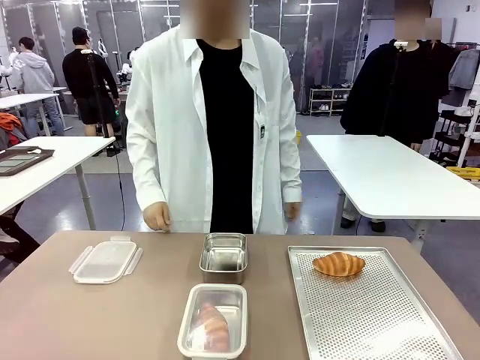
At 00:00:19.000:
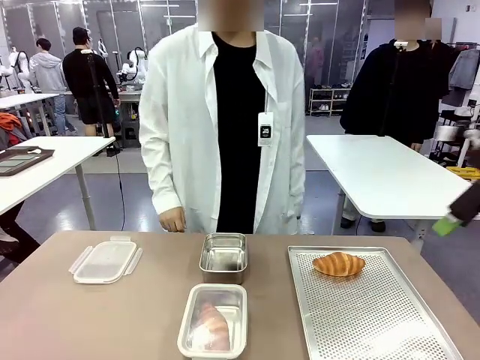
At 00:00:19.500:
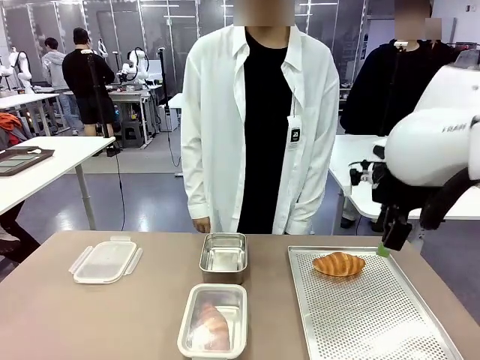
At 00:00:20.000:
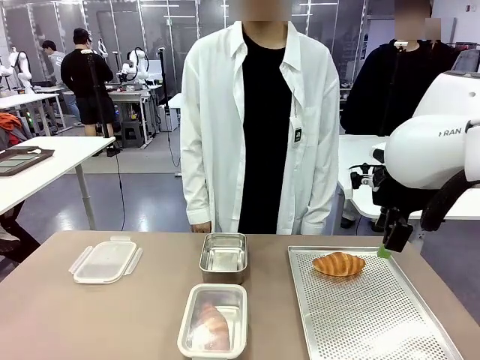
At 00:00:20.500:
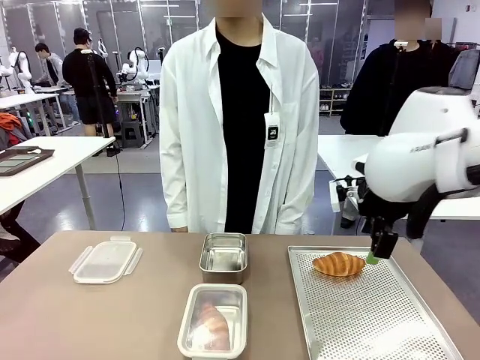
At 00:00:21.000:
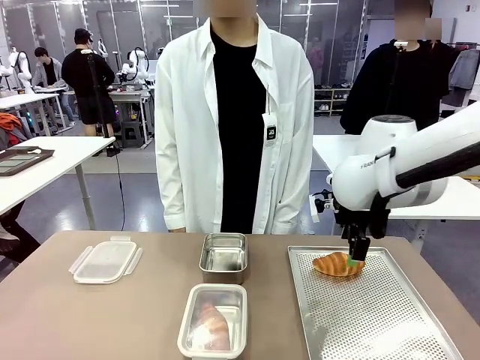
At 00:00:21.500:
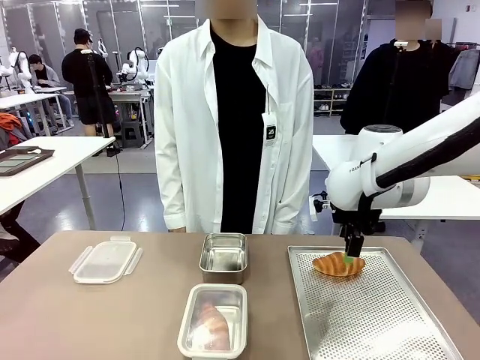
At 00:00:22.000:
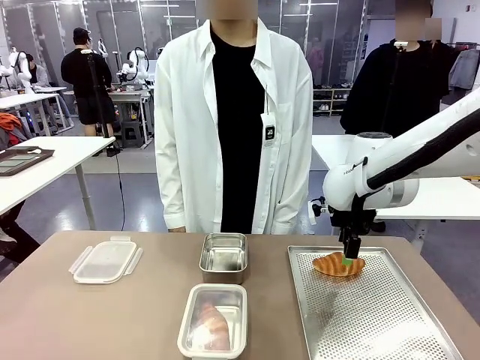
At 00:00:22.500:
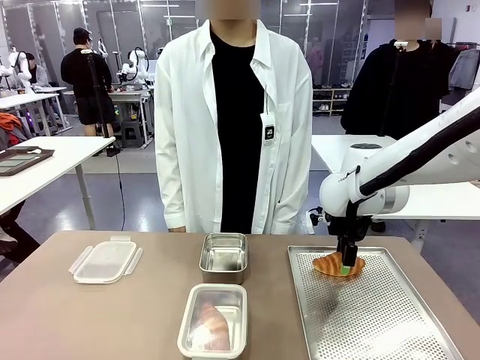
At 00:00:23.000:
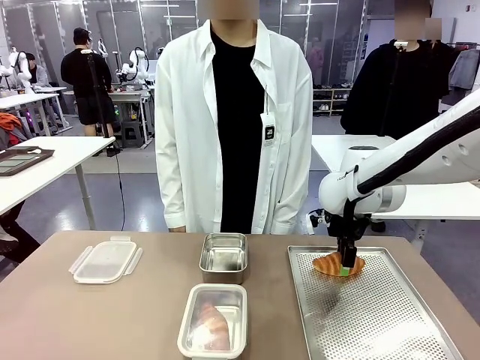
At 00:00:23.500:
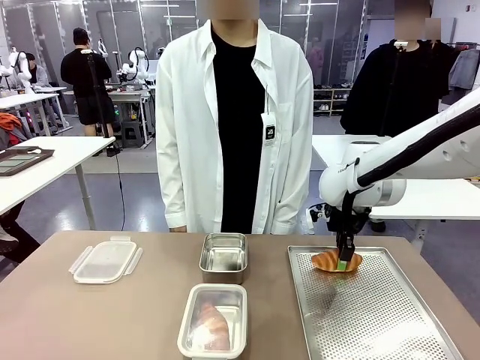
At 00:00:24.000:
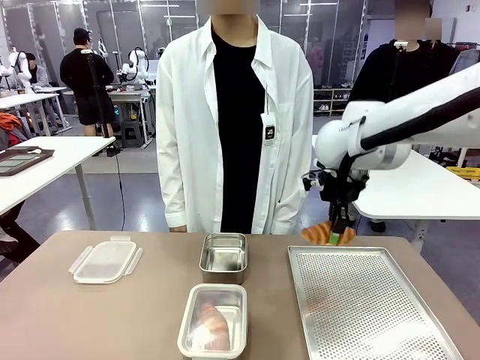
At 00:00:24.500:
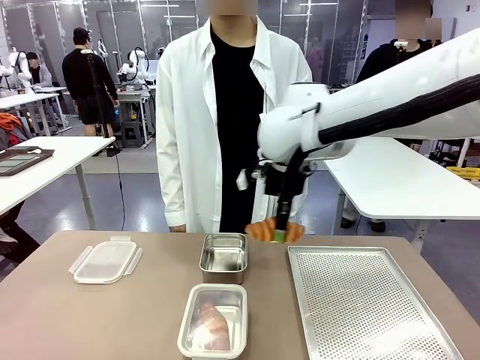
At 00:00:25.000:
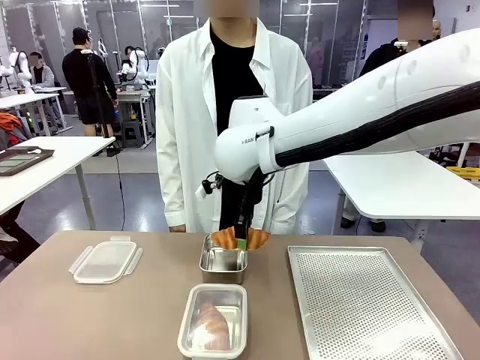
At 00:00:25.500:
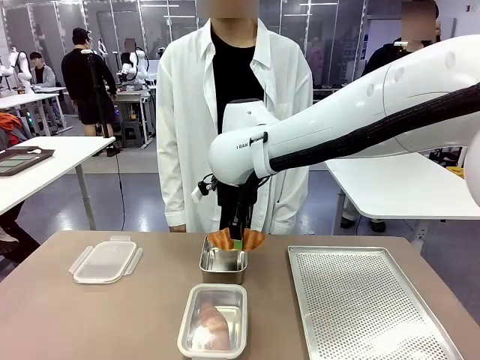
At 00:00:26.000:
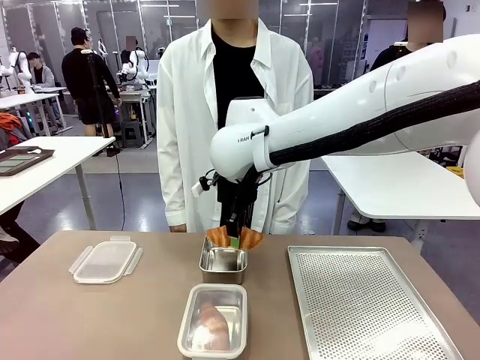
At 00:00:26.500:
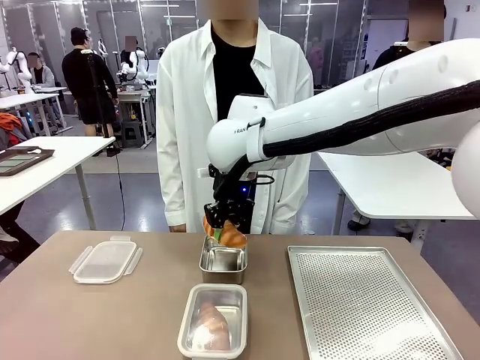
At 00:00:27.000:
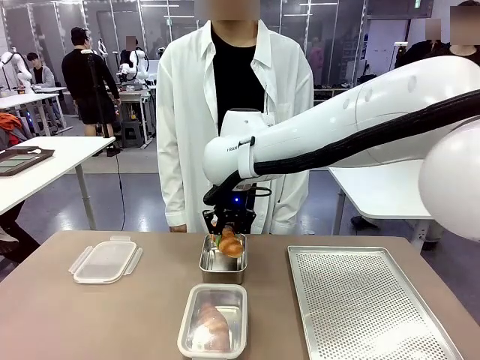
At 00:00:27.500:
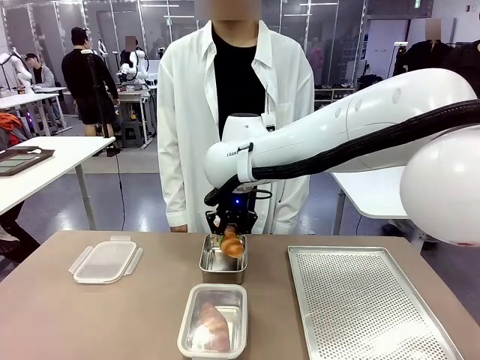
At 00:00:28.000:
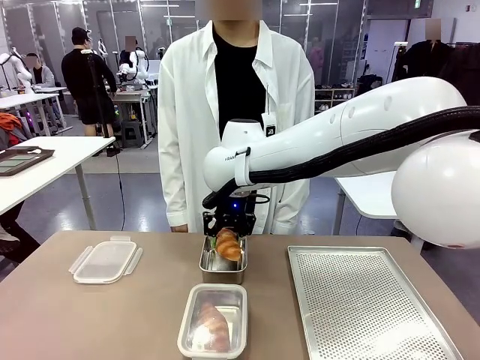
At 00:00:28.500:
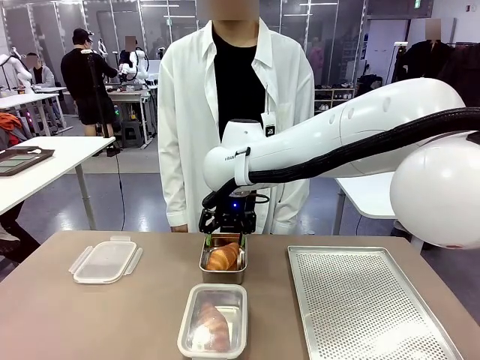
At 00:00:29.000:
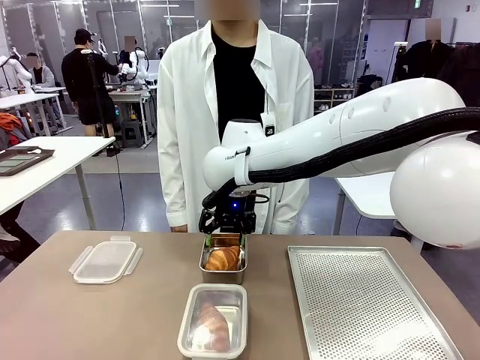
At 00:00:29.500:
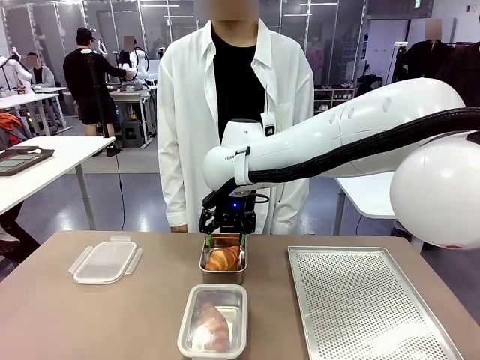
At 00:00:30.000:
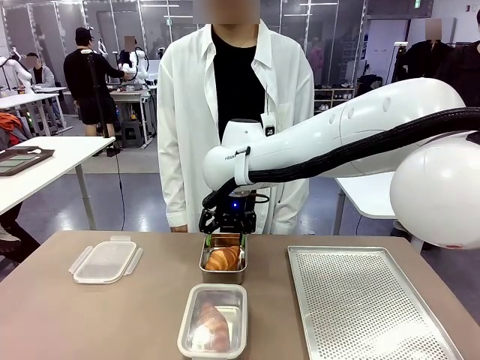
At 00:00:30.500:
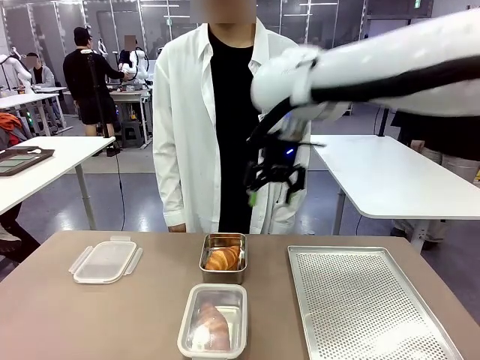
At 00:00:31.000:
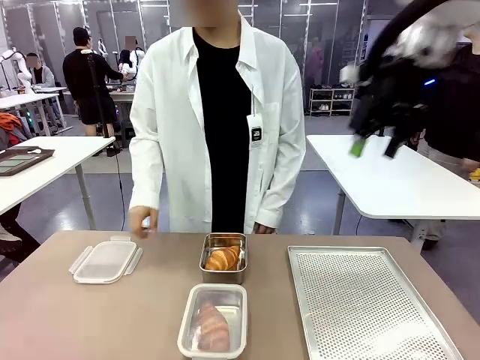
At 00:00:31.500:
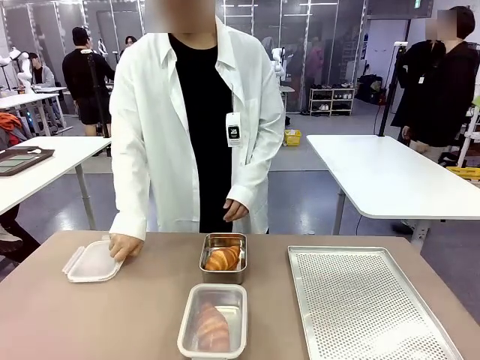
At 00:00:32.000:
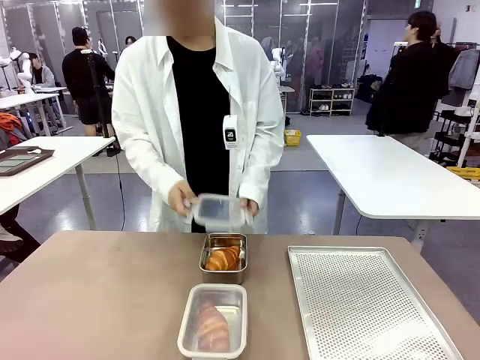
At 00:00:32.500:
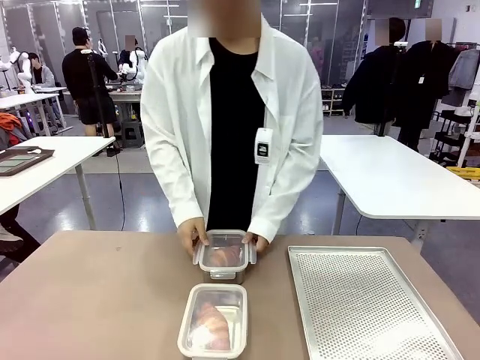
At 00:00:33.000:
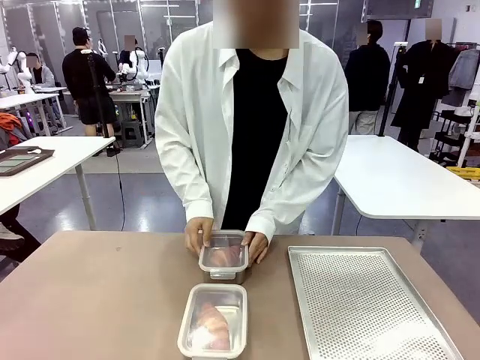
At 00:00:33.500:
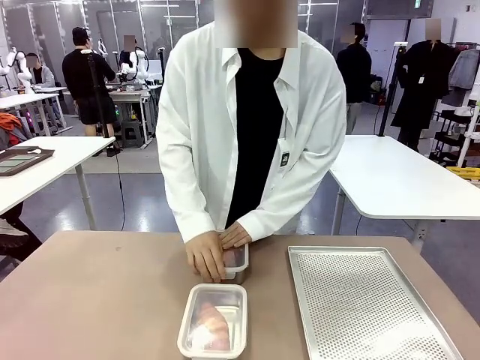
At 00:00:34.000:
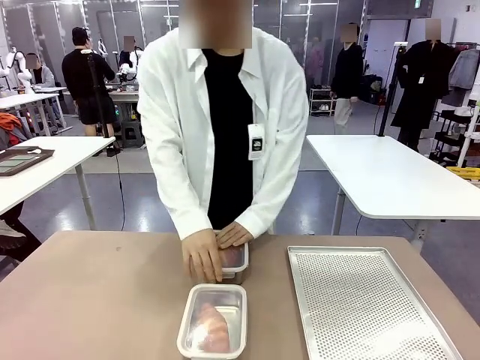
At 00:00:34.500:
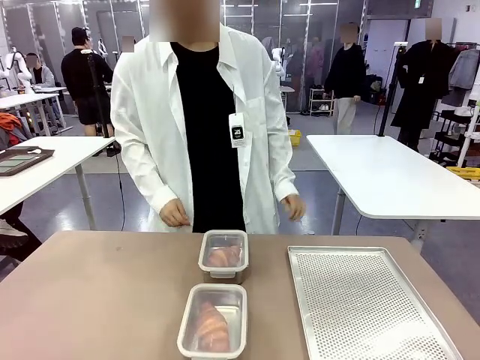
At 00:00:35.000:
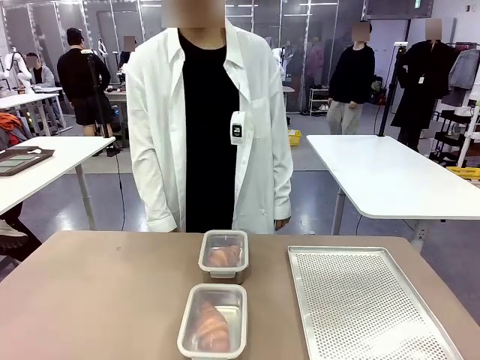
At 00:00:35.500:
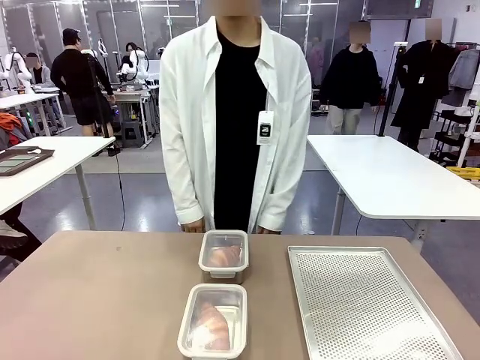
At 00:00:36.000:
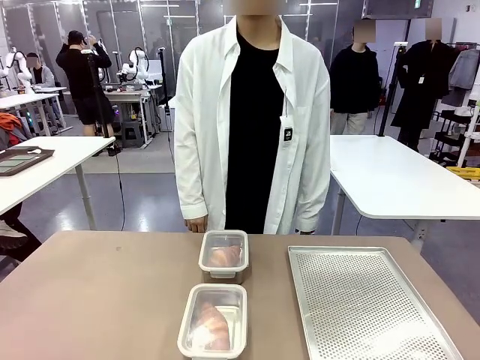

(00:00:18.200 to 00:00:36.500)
Task: Place the bread into the airtight container.
Robot: Pick up a Butter Roll and place it into an empty Airtight Container.
Person: Once a Butter Roll is inside an Airtight Container , close the lid of that Airtight Container.

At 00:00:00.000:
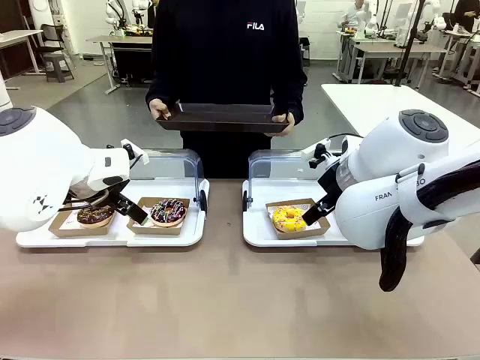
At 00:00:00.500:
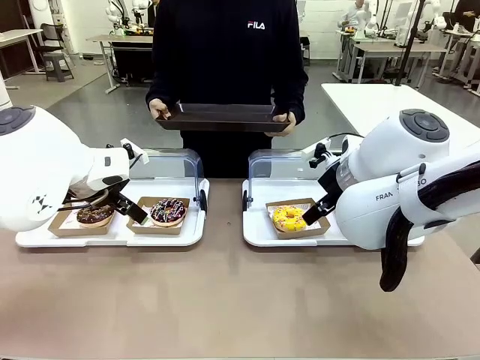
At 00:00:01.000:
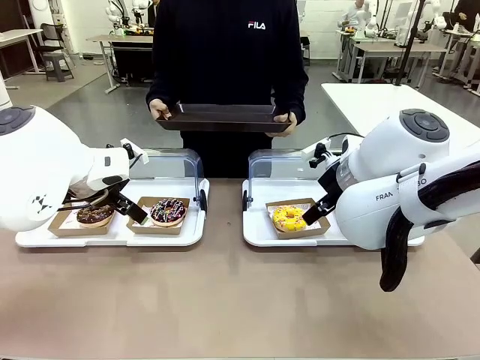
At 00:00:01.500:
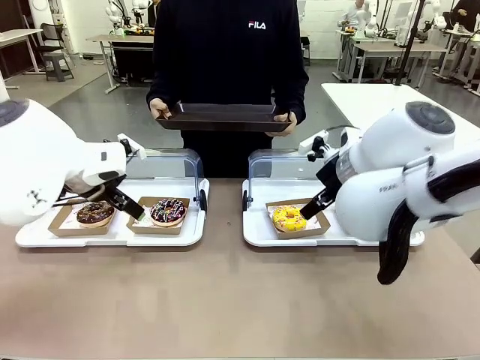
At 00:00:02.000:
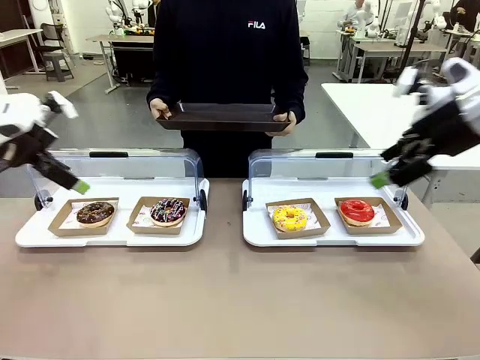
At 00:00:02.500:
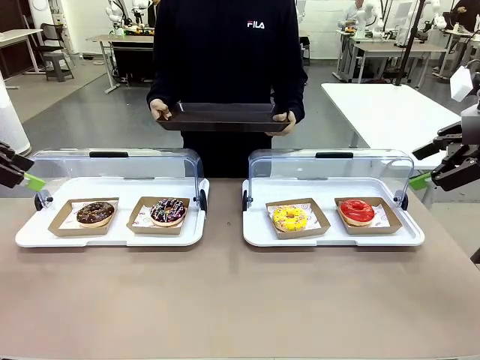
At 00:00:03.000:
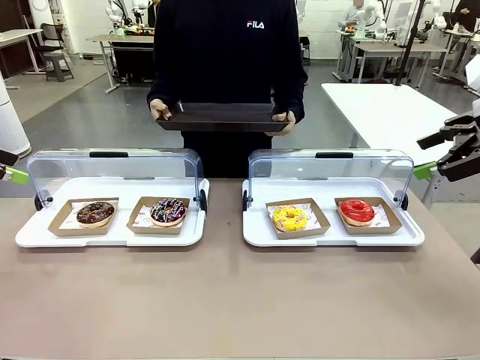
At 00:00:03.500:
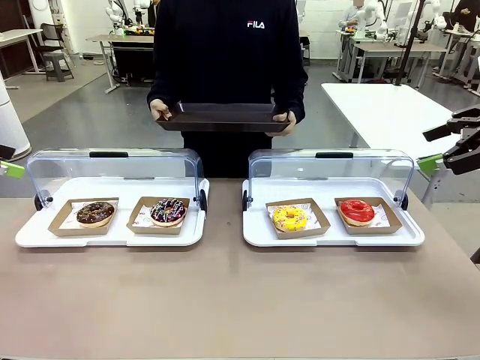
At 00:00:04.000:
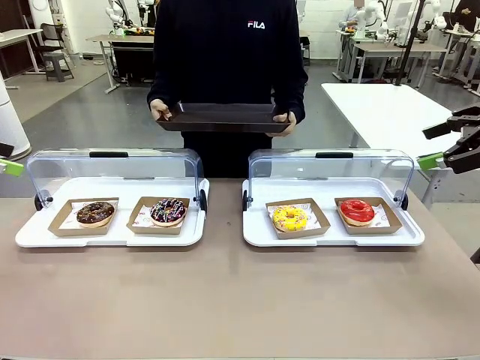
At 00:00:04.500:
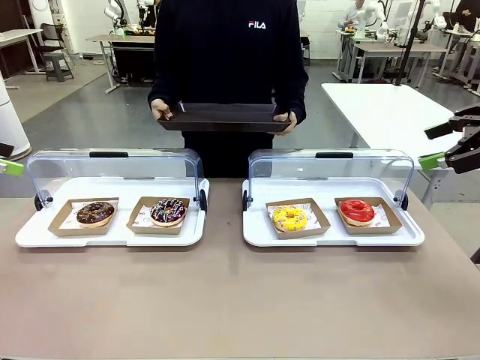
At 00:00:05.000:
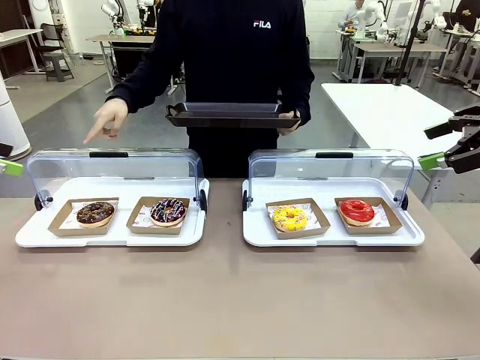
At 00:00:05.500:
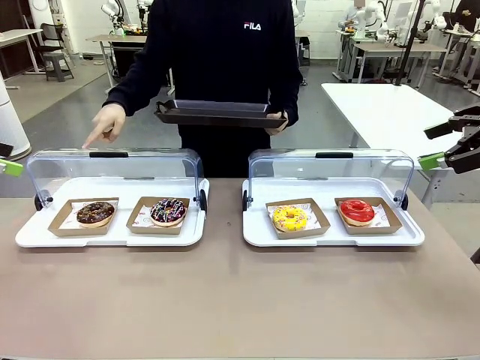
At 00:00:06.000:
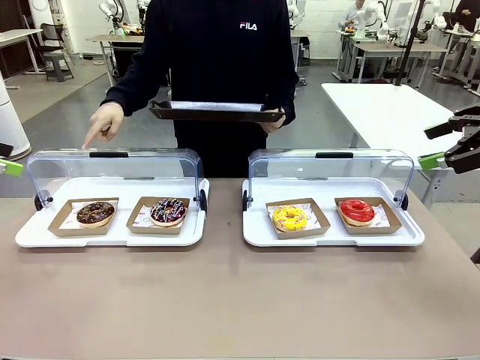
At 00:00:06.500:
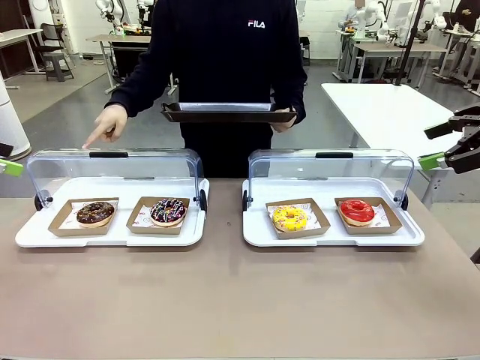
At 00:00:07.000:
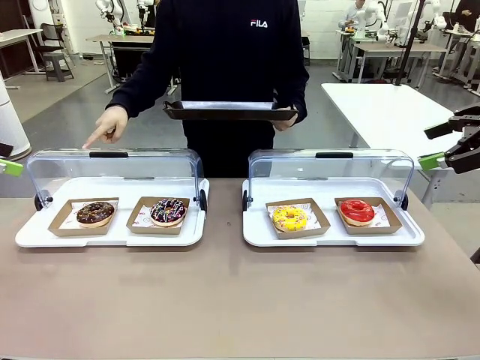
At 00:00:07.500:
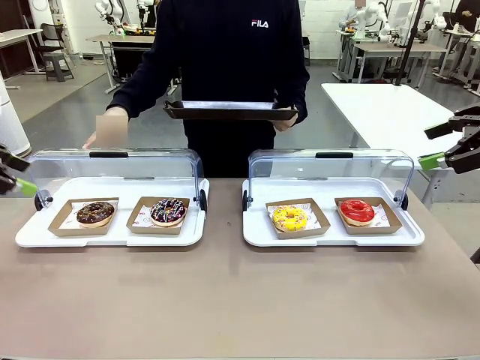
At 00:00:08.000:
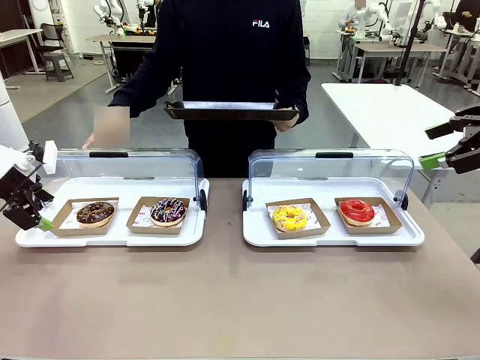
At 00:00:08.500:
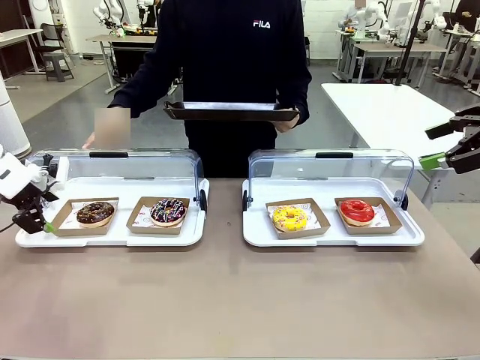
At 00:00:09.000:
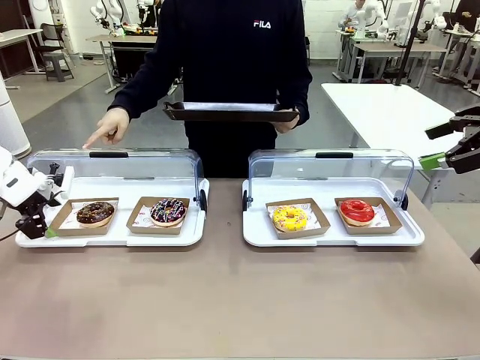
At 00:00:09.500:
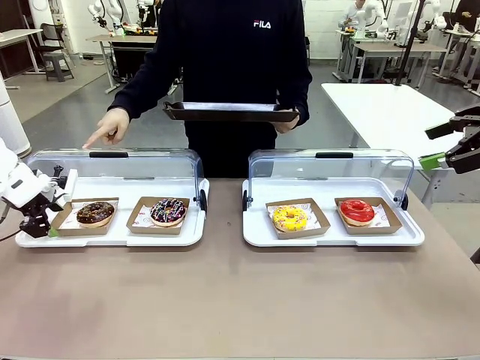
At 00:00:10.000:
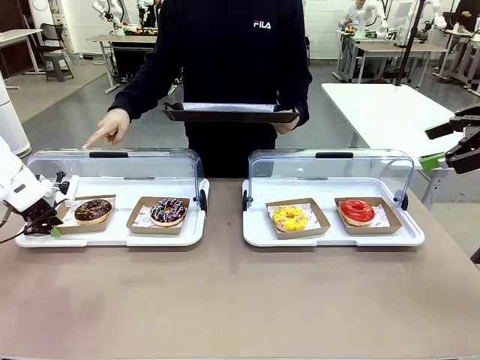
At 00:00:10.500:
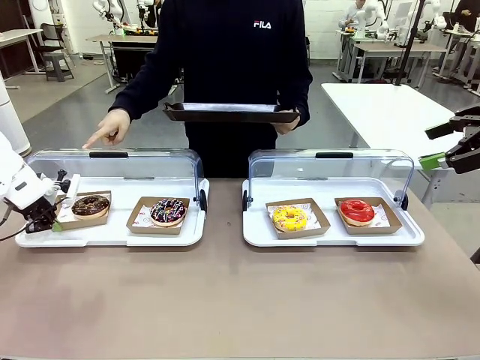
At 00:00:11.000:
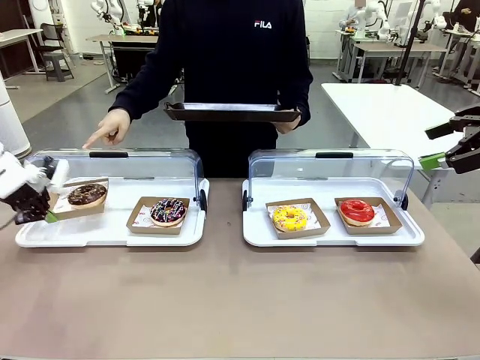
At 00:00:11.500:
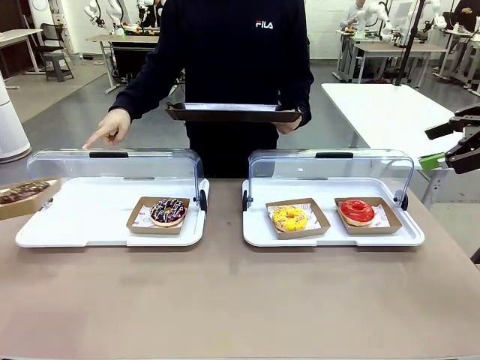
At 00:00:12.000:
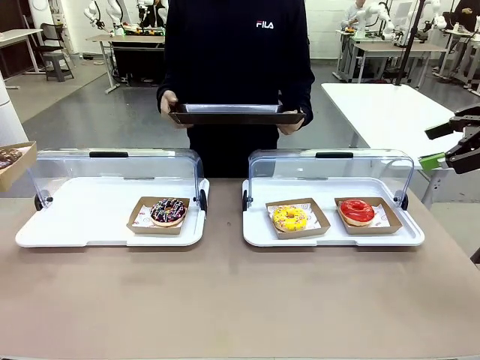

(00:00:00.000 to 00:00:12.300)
Task: Provide the desired donut to the person.
Robot: Pick up and lift the Paper togo box containing the Donut pointed at by the person.
Person: Point to one donut. Lift the tray onto the Roll-Top Bakery Case.
